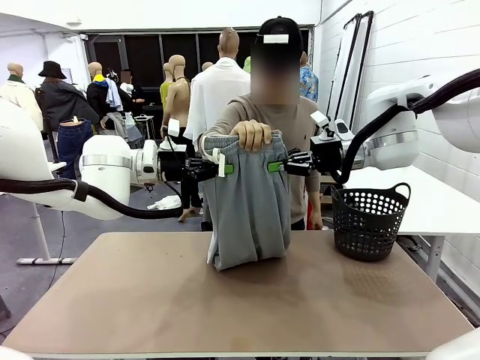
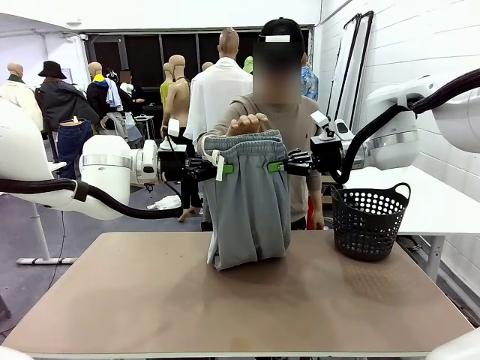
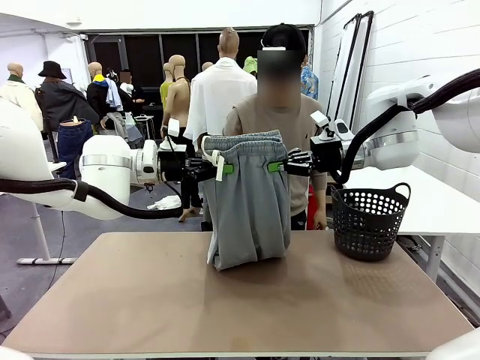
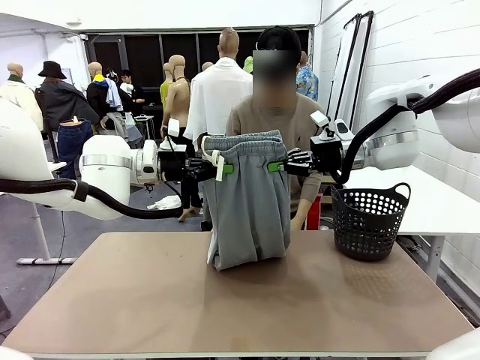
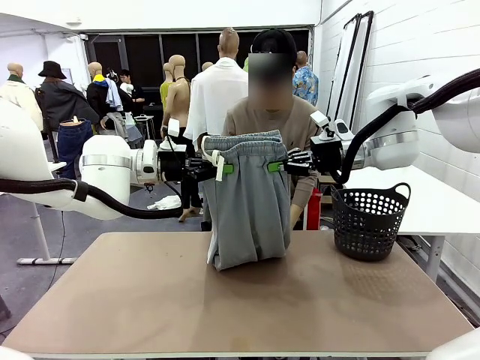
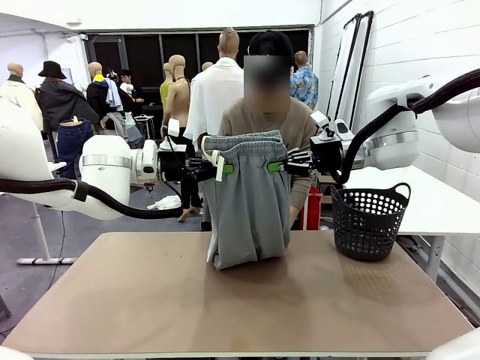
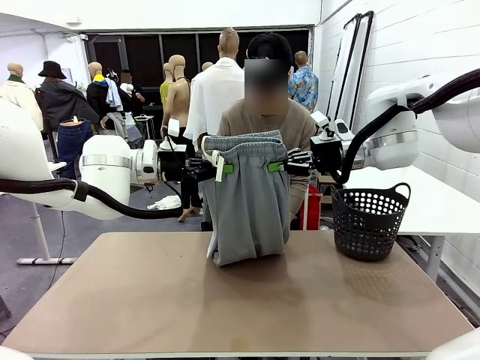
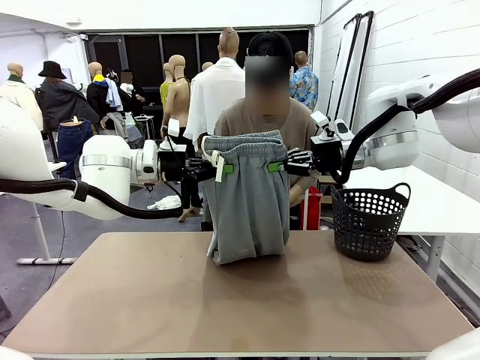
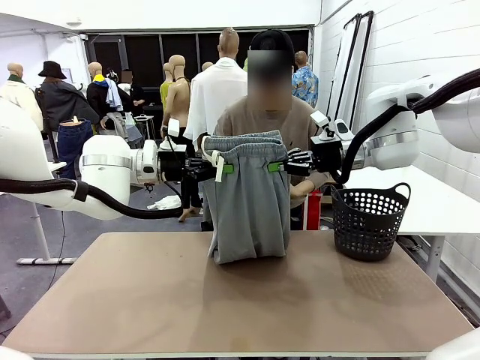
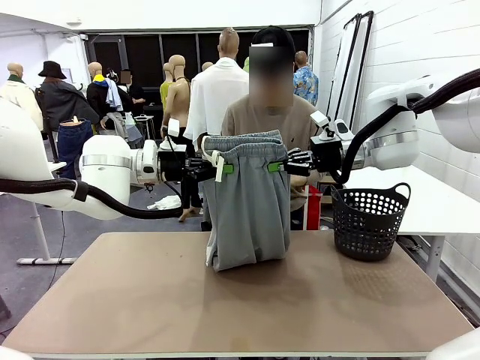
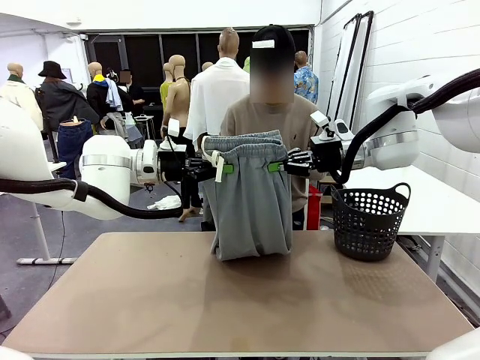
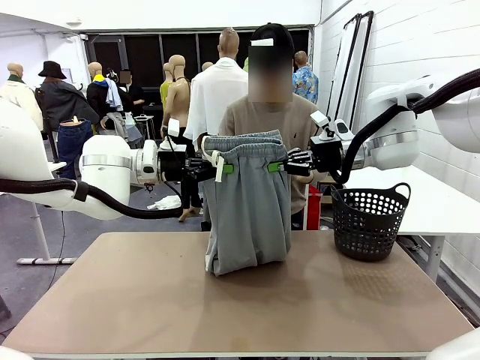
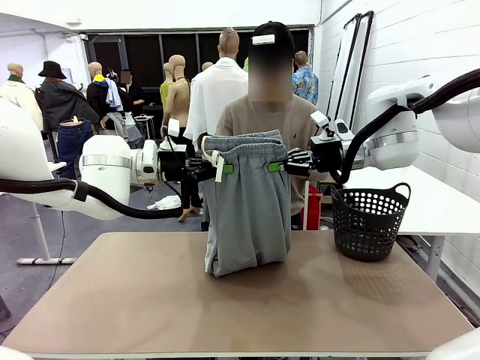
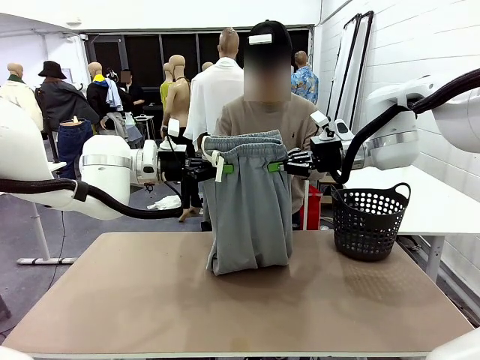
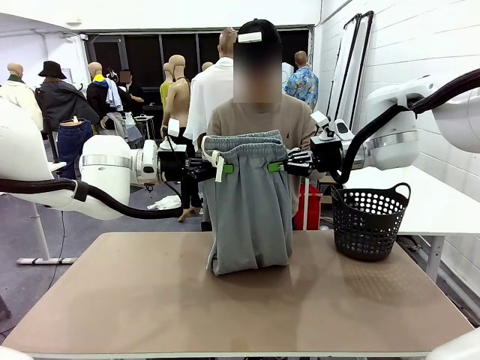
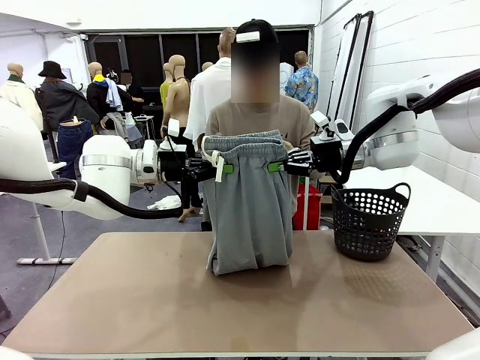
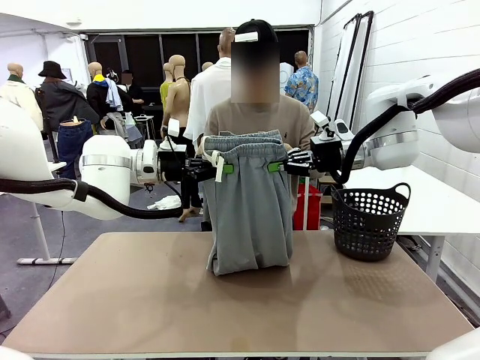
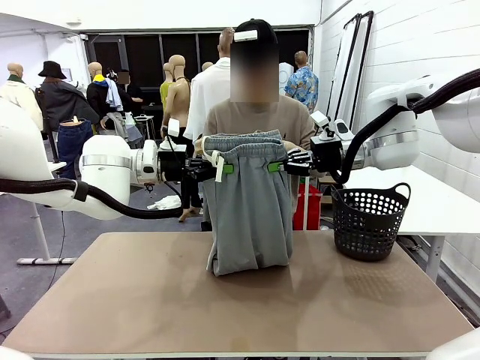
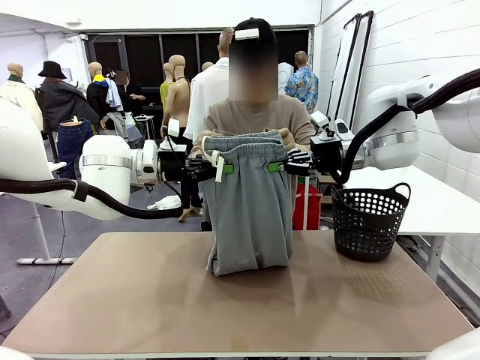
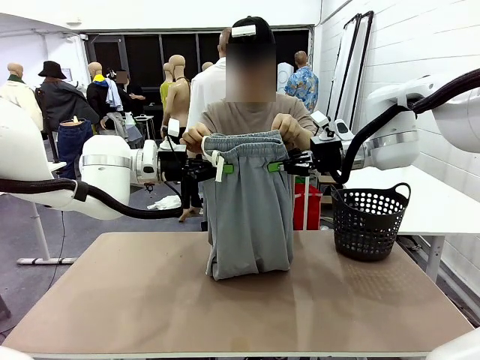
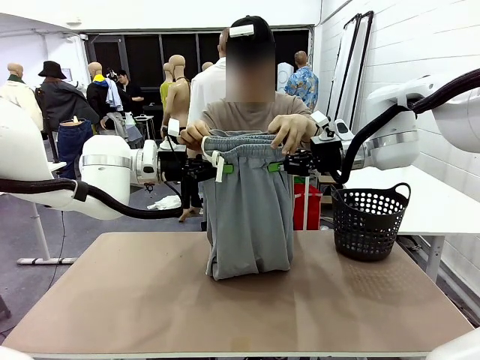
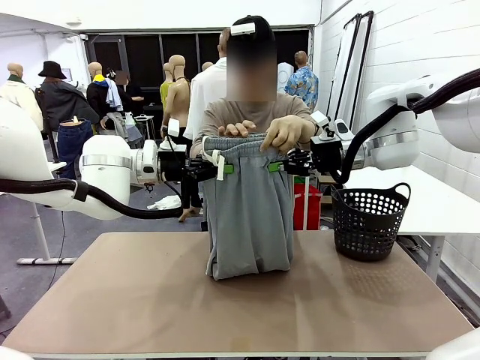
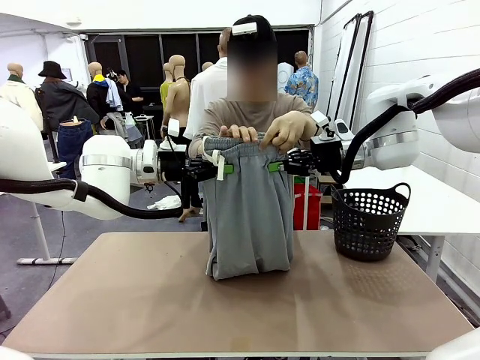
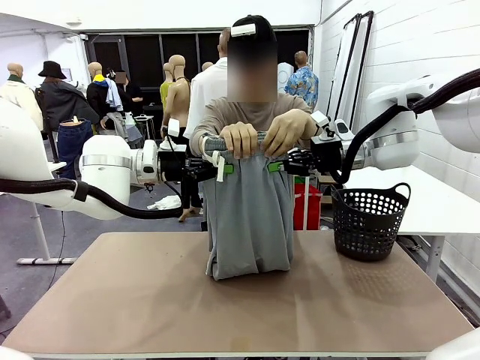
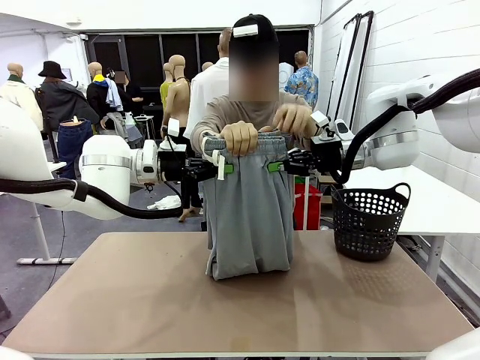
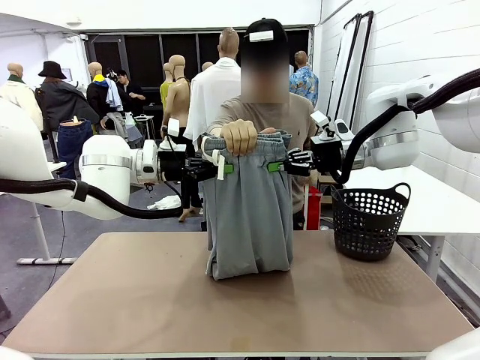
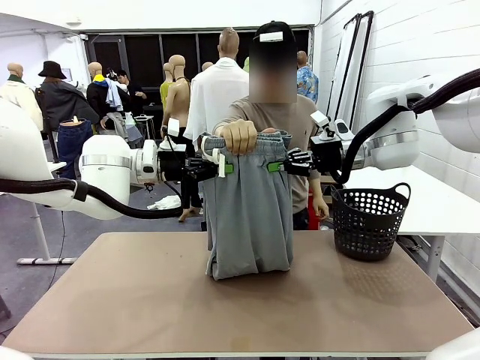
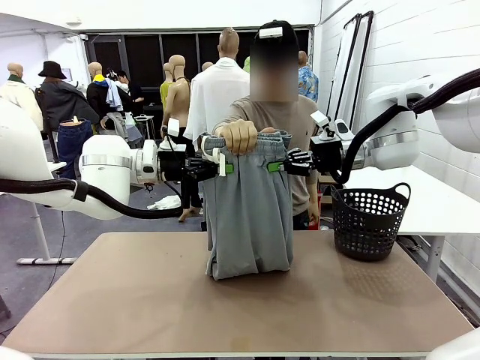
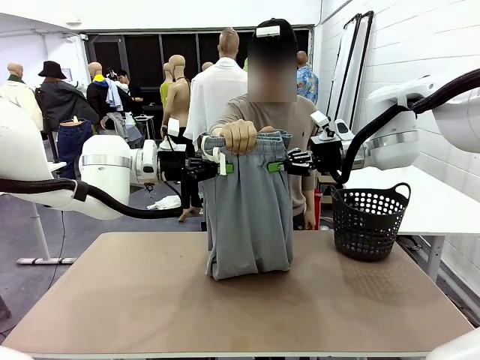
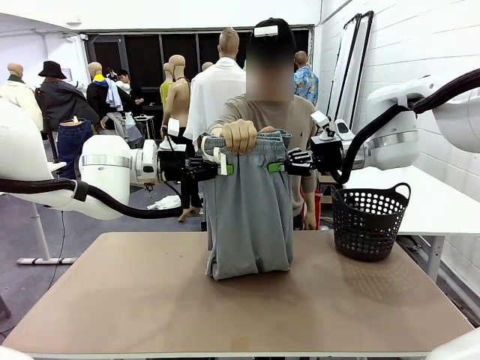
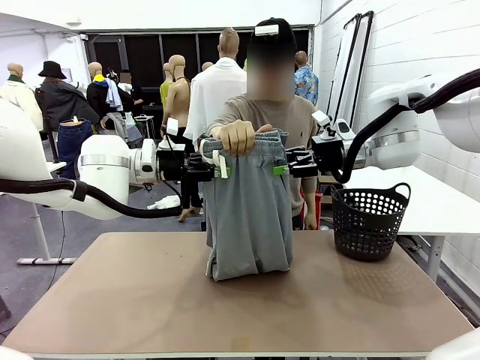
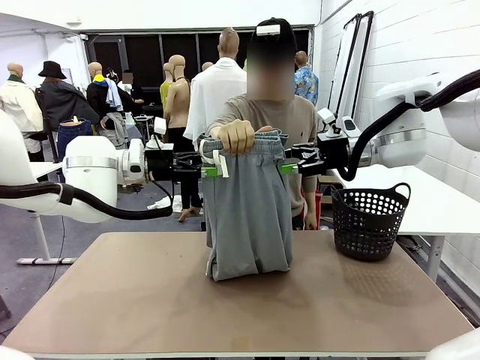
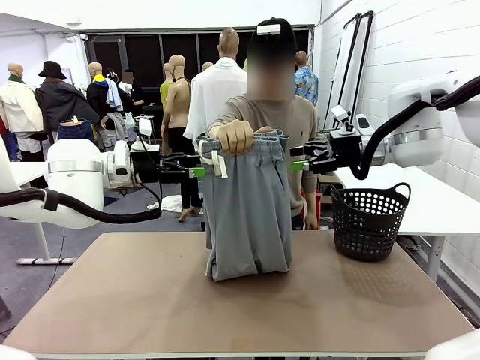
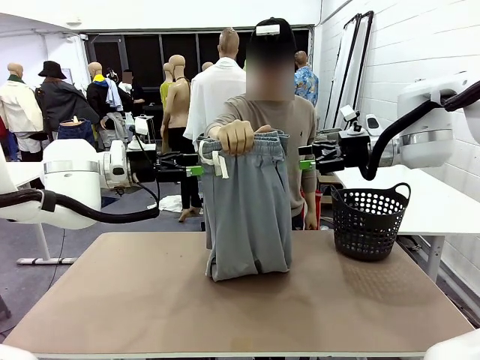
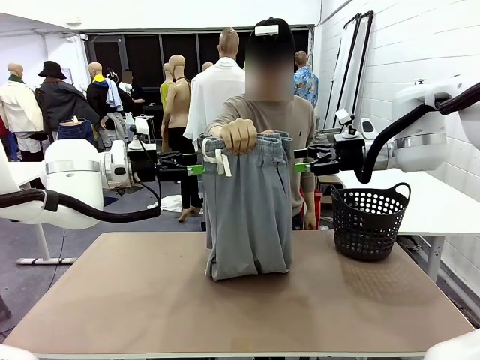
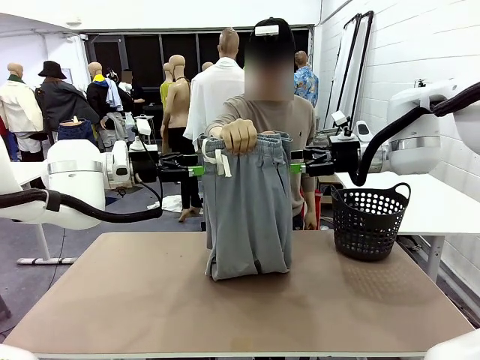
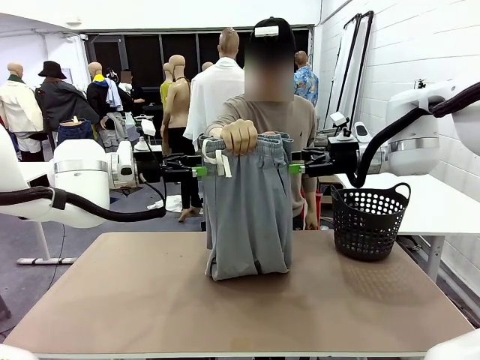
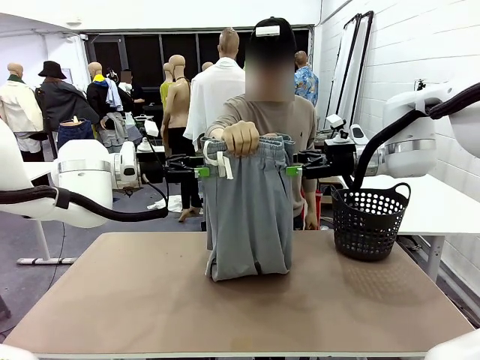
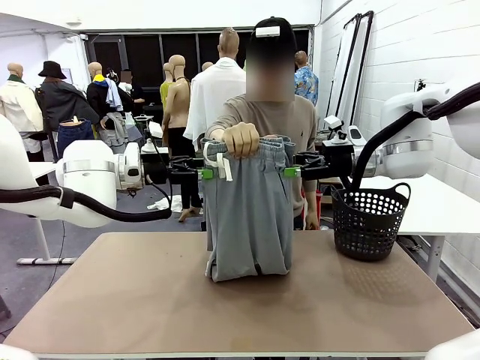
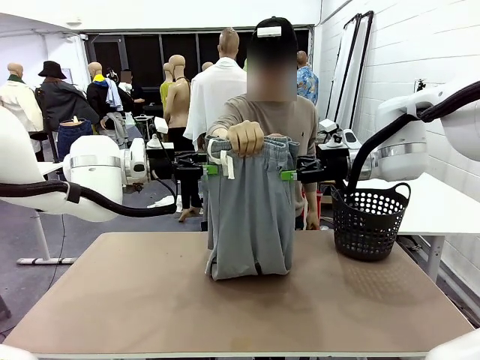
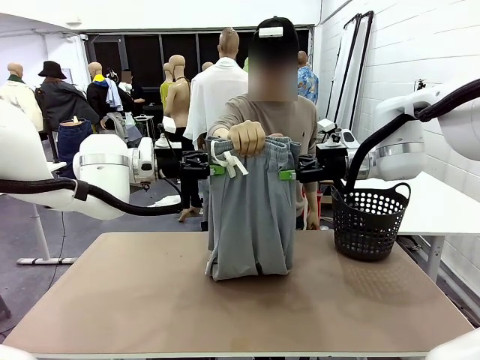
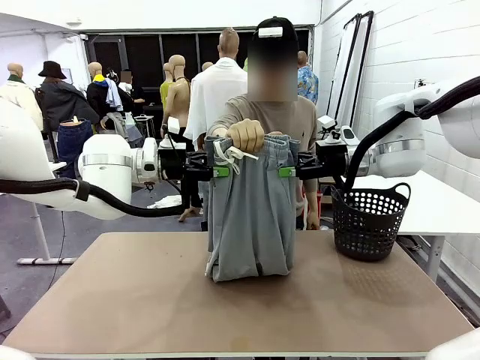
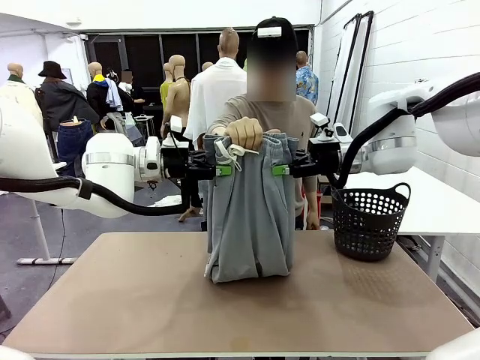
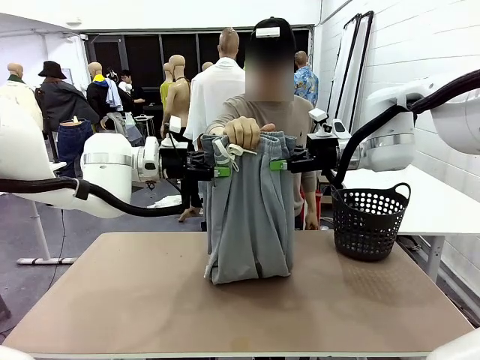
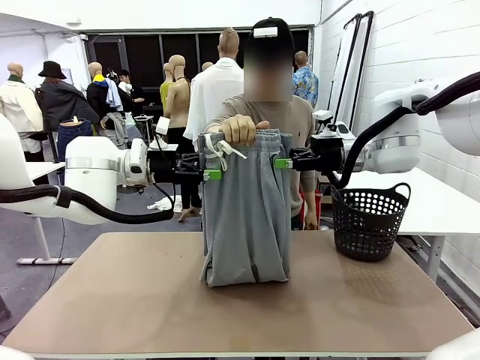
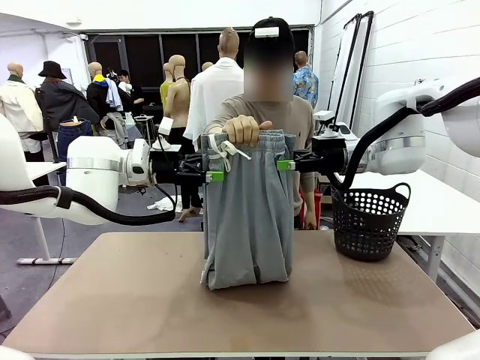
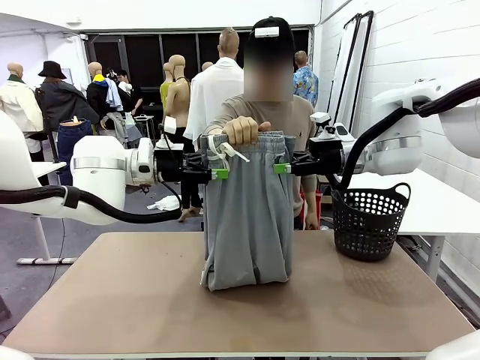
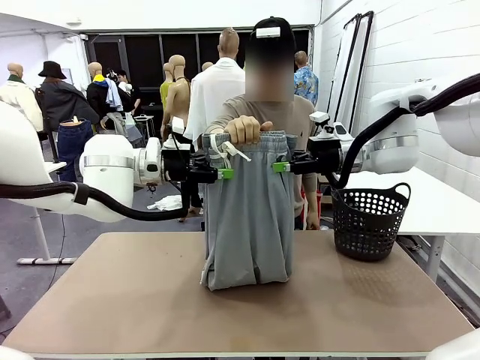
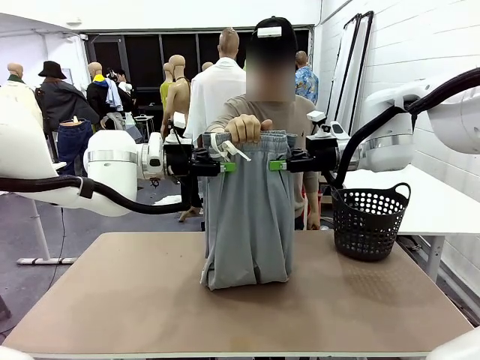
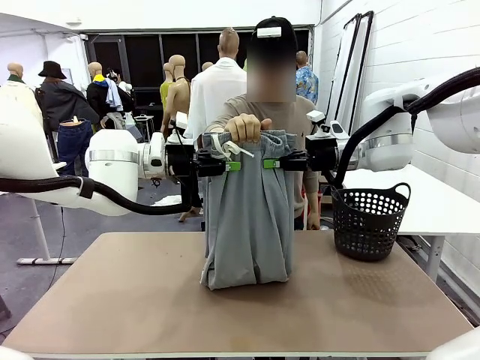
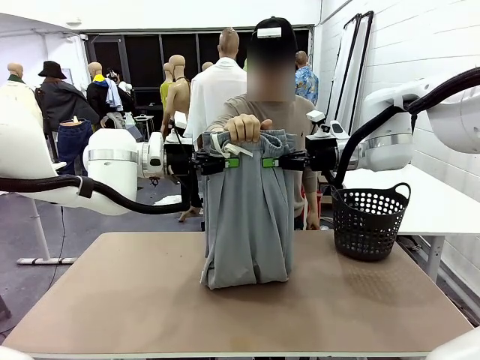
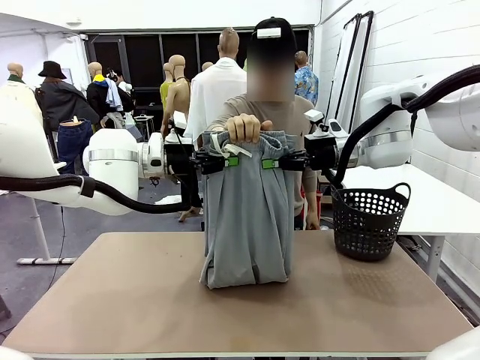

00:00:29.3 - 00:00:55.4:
Task: Fold the training pants.
Robot: Release the ends of the Training pants and then grab the overlapped ends.
Person: Grasp the end opposite the point the robot is holding, fold the pants in half, and then grasp the overlapping top end of the folded pants. Release the pants you were holding.
